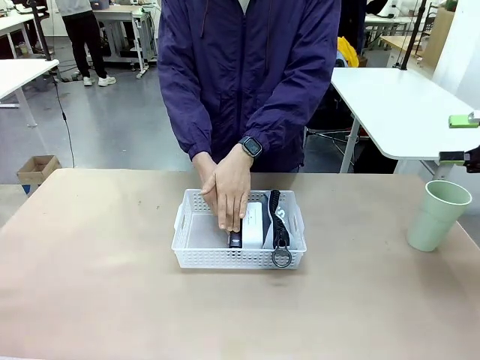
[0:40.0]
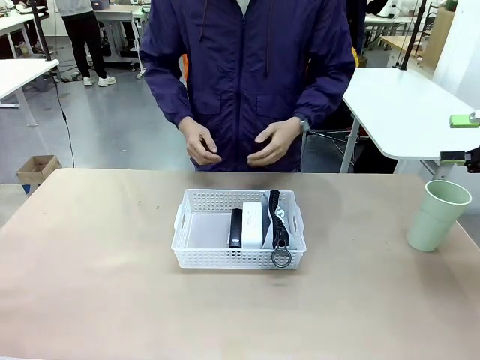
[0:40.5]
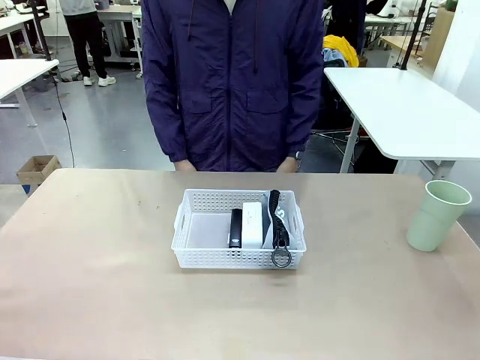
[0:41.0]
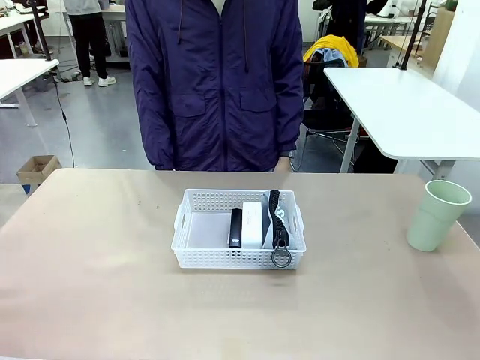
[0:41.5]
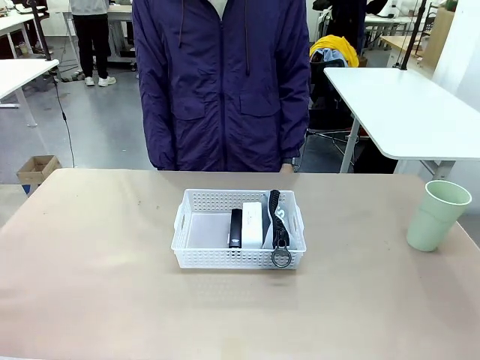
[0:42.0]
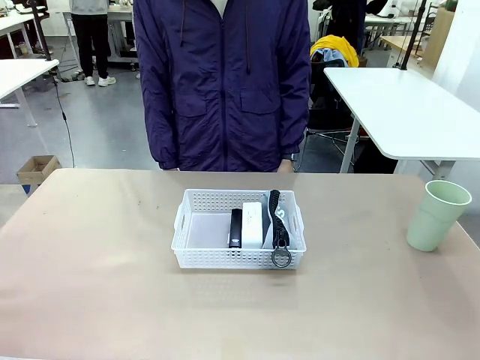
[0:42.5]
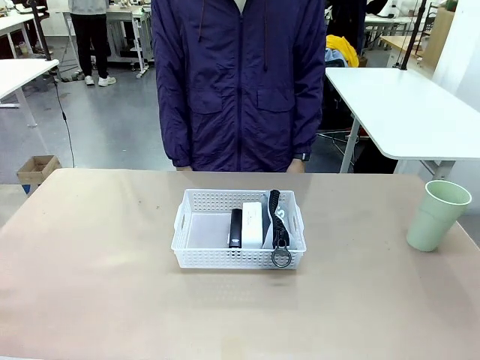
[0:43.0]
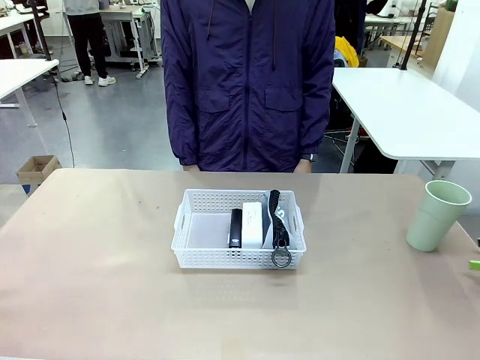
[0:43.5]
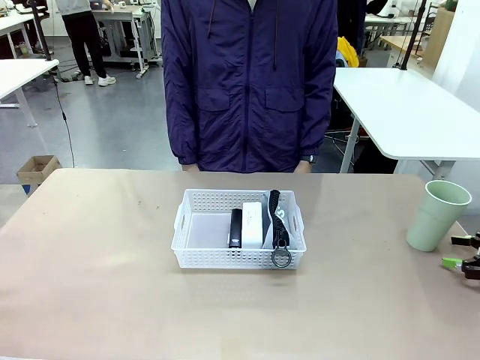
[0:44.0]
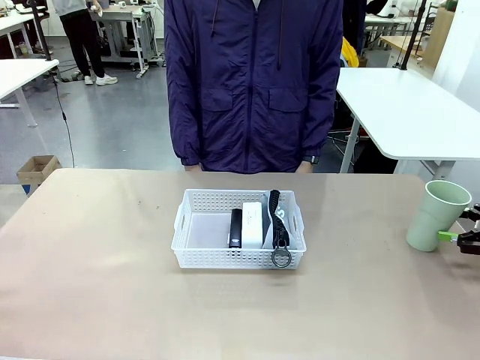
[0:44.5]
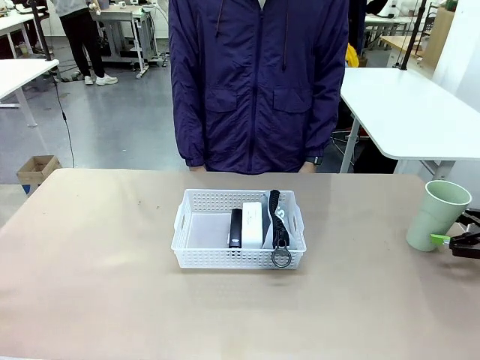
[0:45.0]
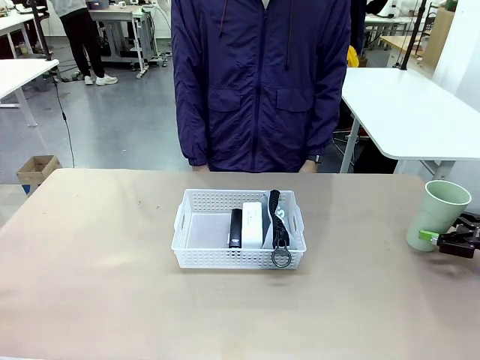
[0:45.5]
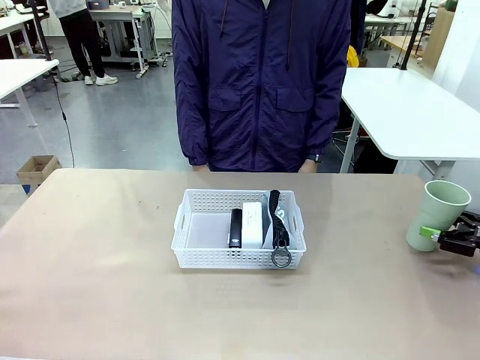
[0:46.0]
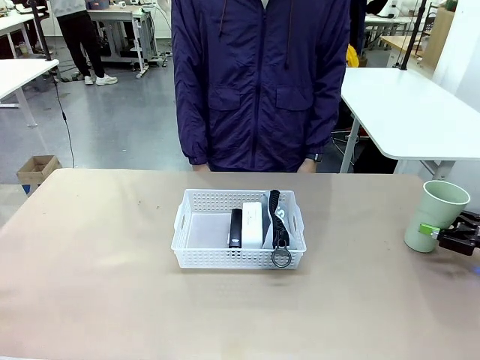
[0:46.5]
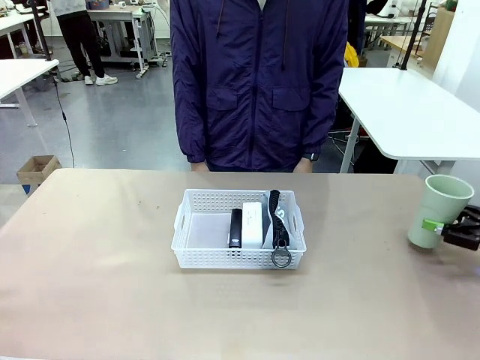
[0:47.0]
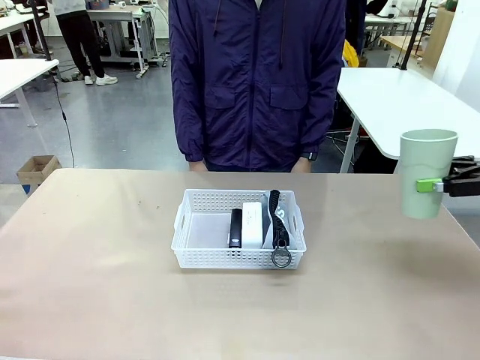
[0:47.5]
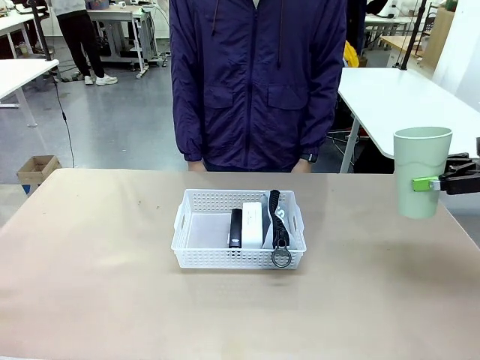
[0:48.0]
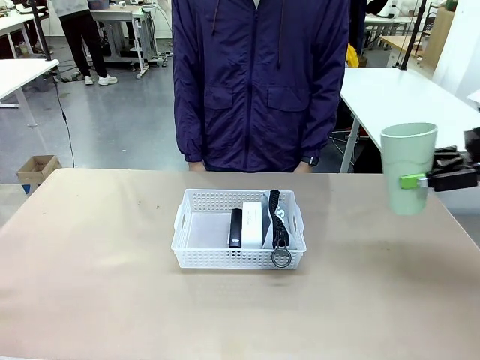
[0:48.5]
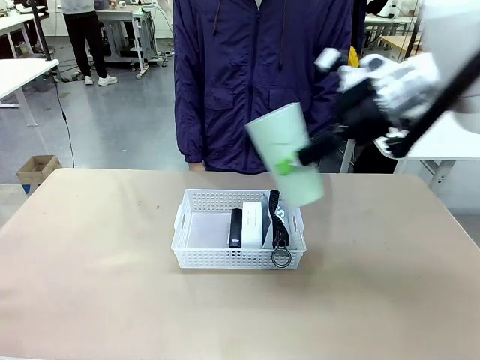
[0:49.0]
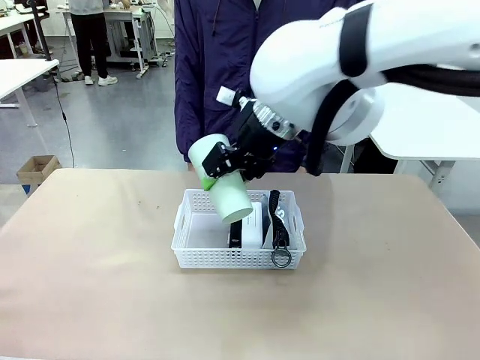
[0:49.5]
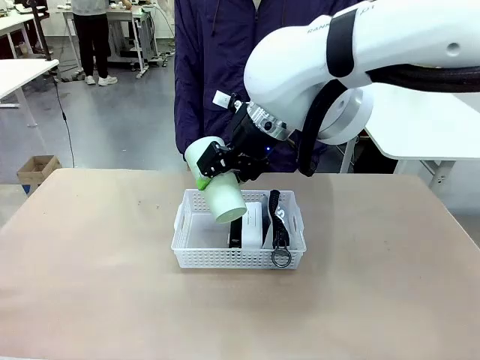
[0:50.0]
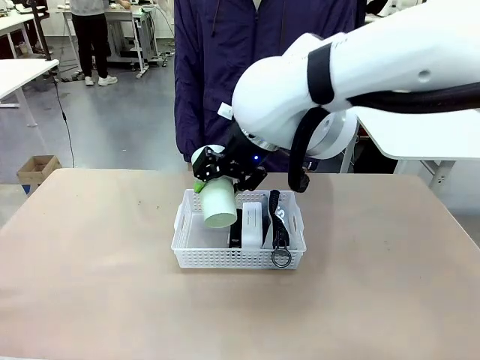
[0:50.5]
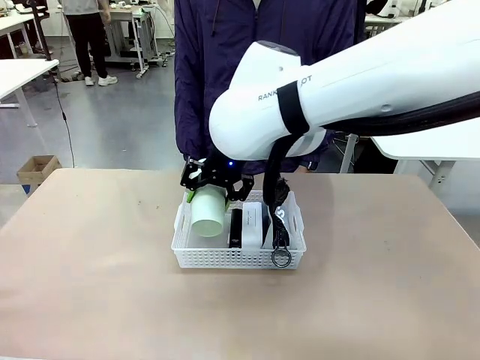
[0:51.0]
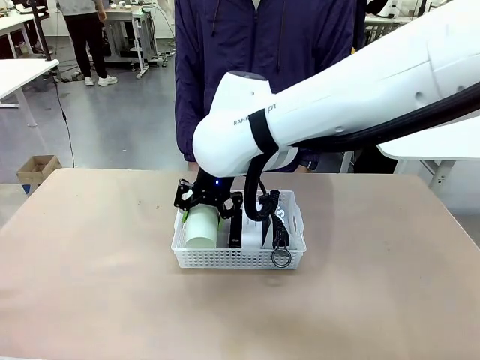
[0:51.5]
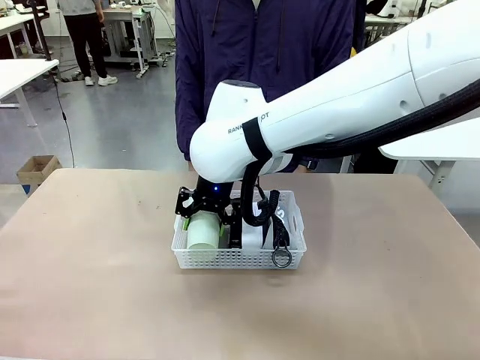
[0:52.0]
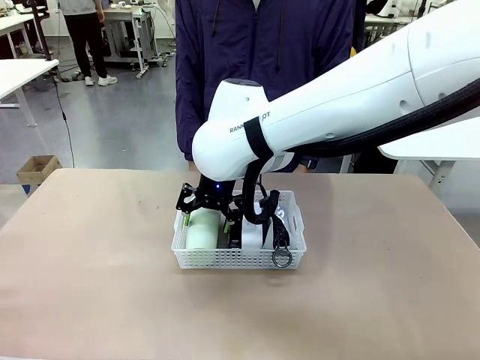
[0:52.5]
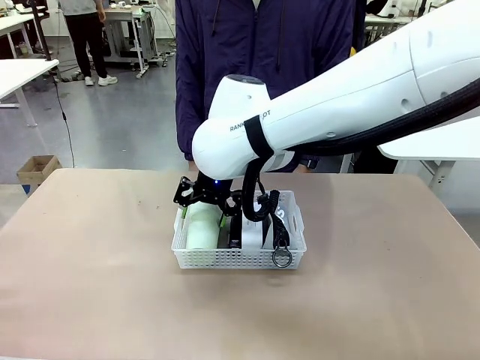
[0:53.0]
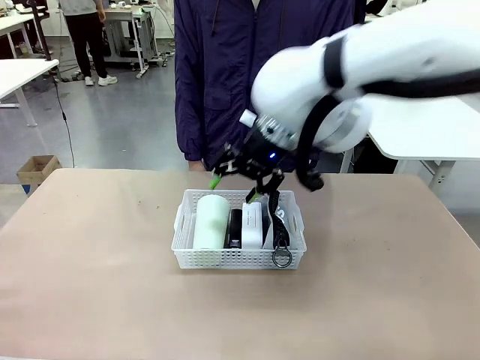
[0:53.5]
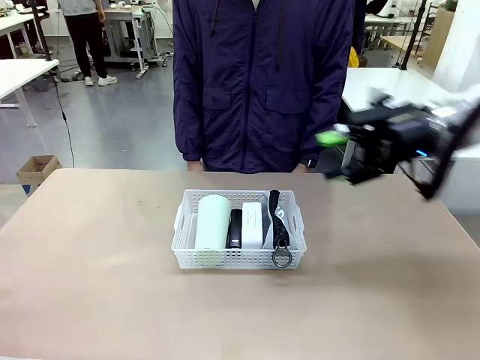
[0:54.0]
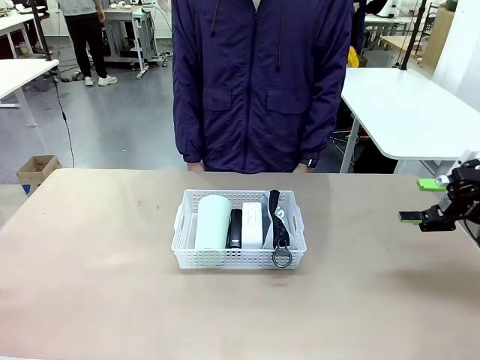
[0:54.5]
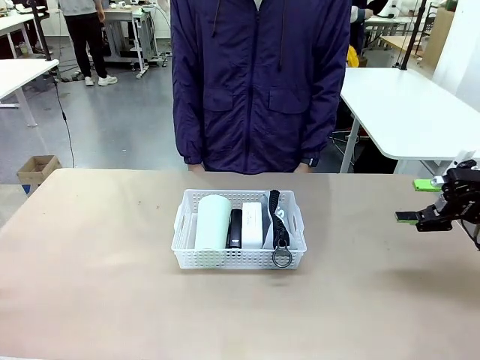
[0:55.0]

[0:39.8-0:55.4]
Task: Efficiently arrange items inside the basket to fit them all.
Robot: Pick up the Reusable plastic cup and place it inside the Organizing basket.

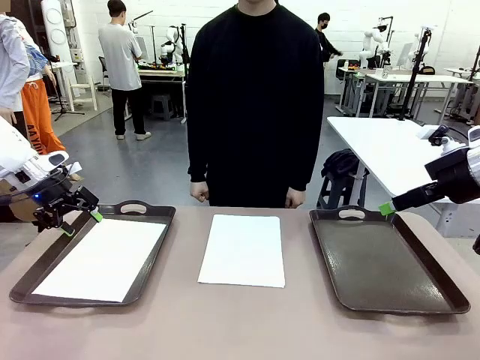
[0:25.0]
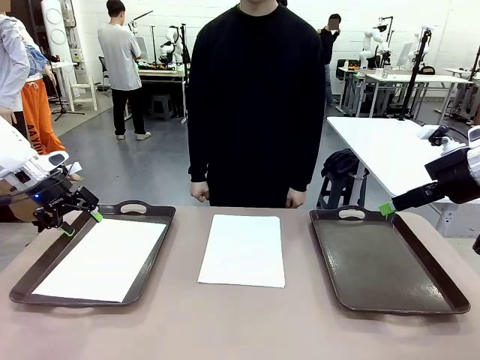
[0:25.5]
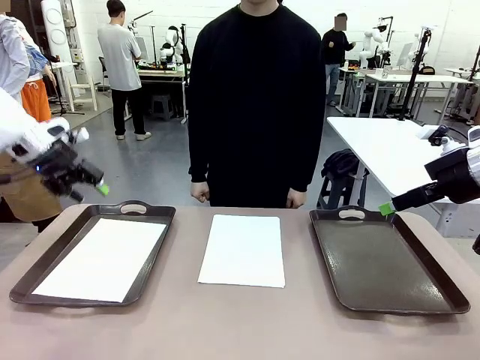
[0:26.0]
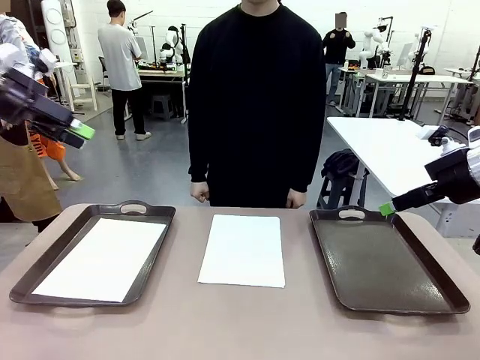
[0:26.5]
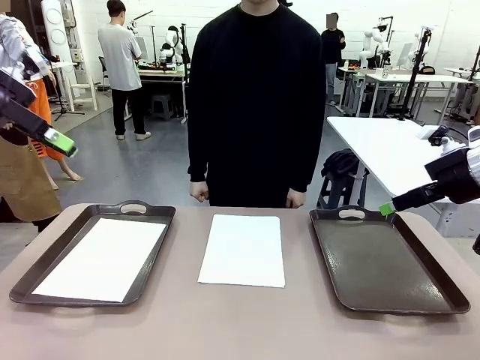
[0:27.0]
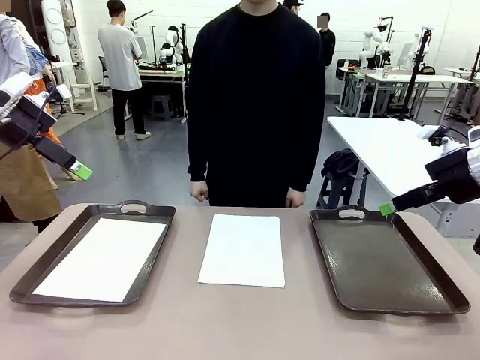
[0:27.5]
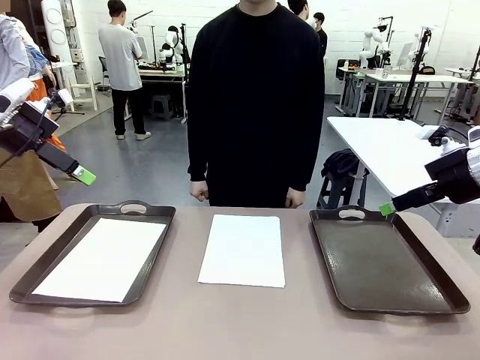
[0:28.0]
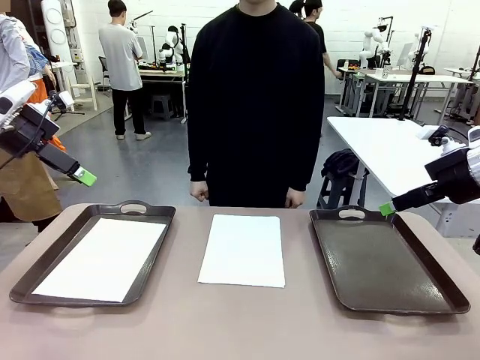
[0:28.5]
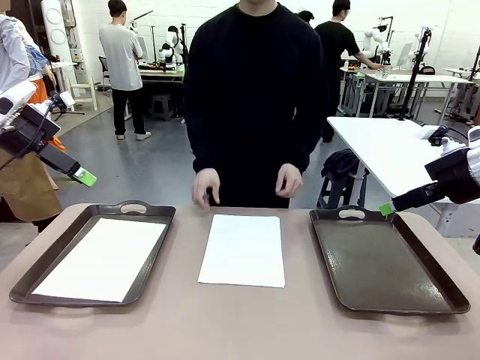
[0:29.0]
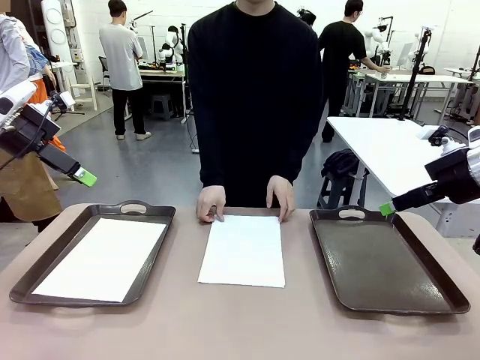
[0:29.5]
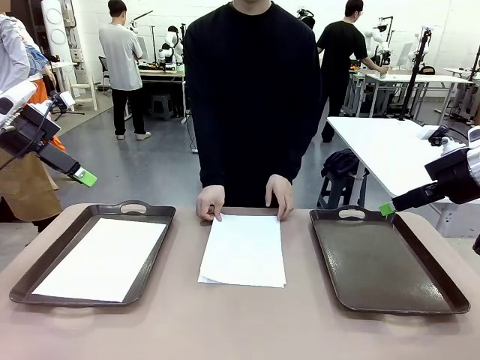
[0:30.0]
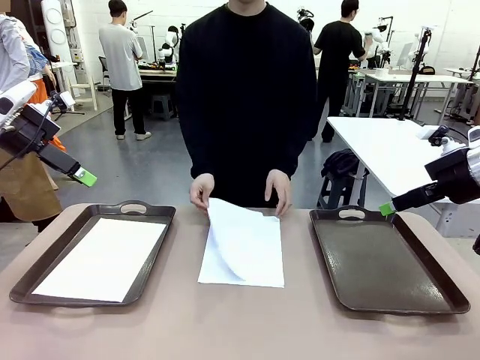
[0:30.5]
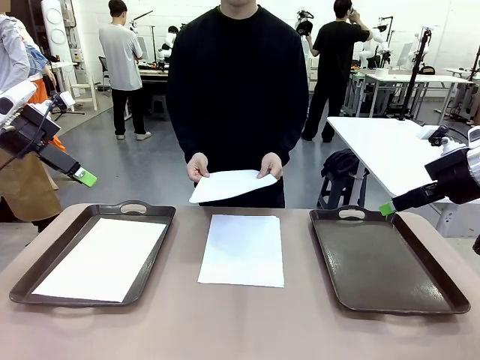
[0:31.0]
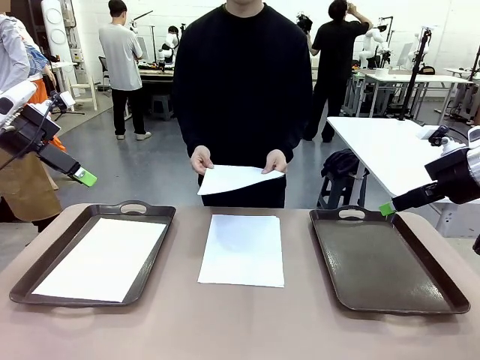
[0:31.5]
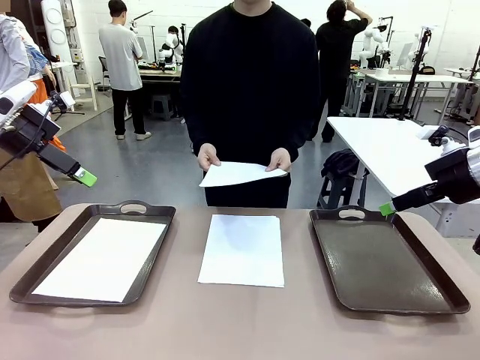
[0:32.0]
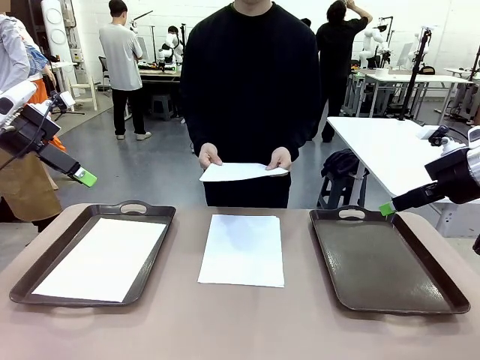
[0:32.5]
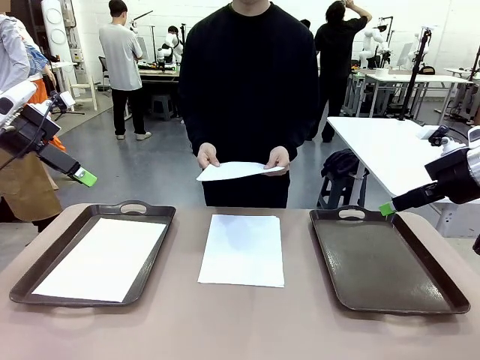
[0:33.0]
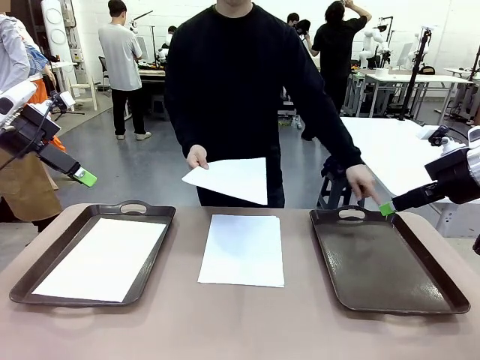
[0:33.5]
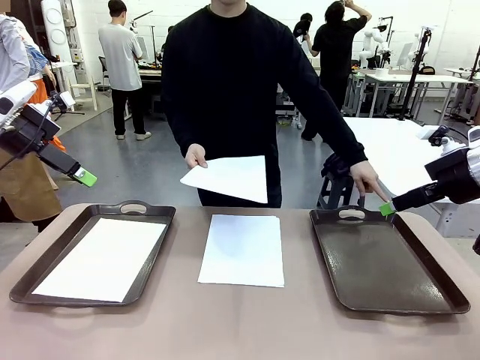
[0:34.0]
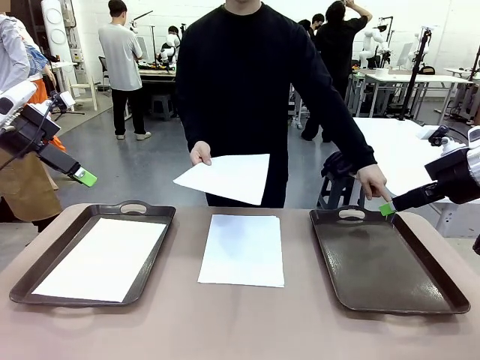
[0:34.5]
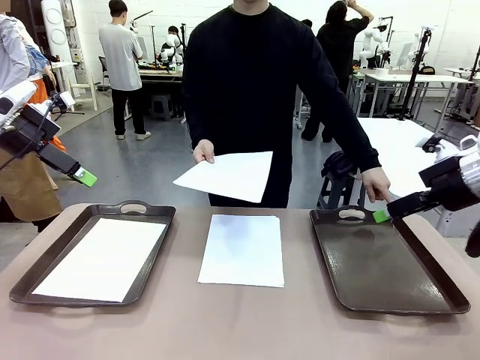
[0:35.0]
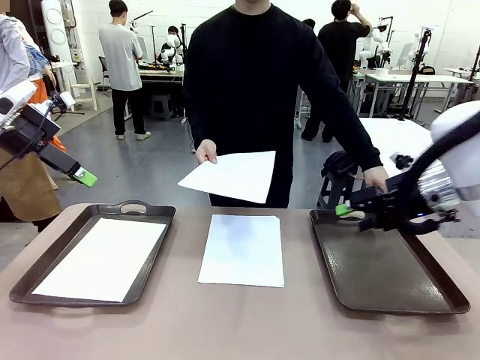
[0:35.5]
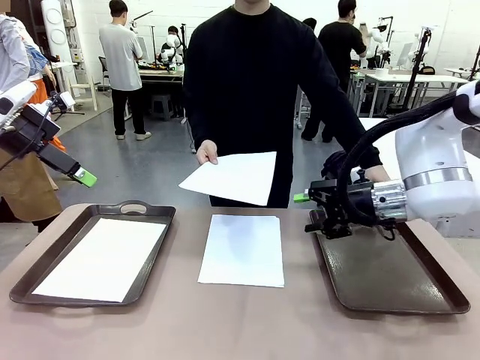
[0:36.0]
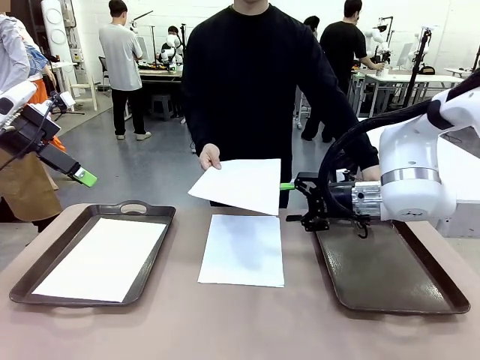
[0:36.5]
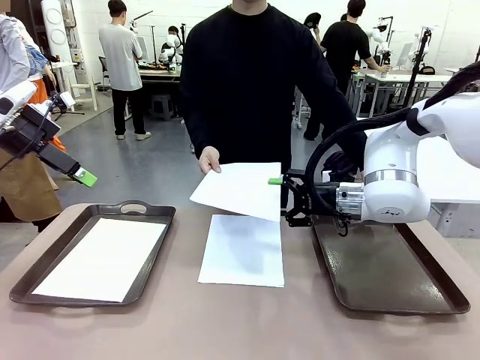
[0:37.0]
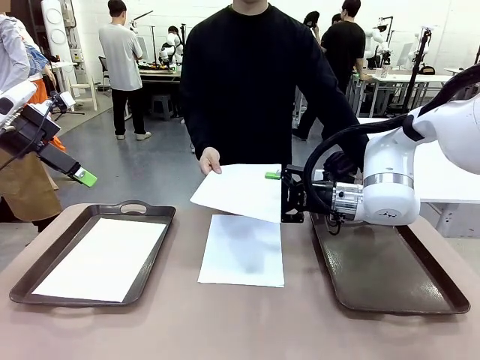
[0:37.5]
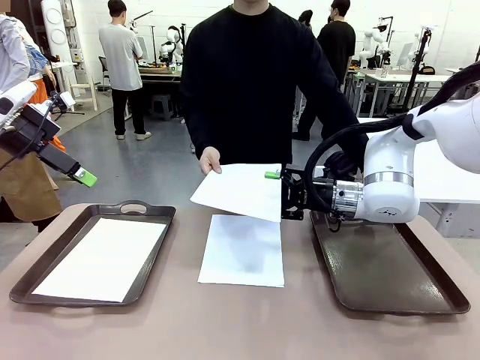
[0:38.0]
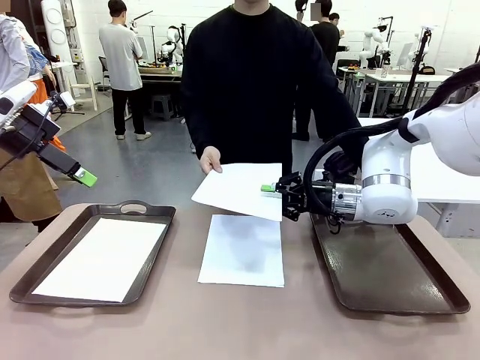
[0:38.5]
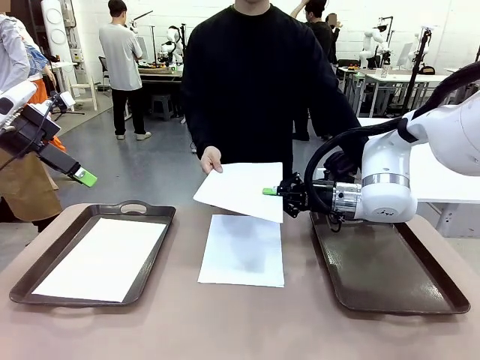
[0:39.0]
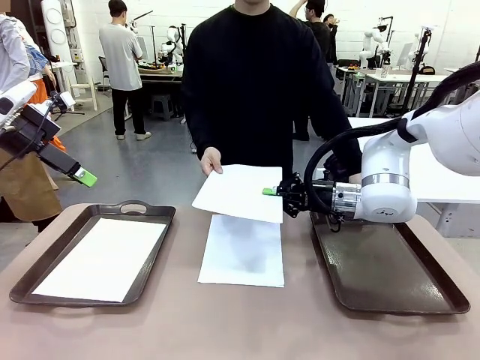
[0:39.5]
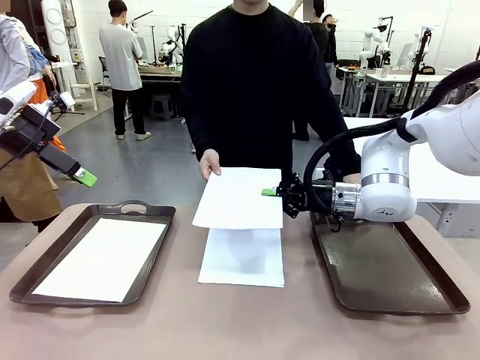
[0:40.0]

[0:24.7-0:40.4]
Task: Sort the A4 documents.
Robot: Receive the A4 Paper.
Person: Point the randomly selected tray with the other hand.
